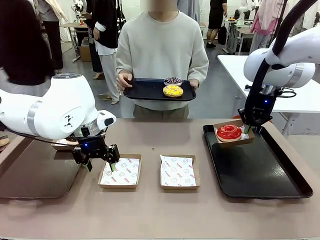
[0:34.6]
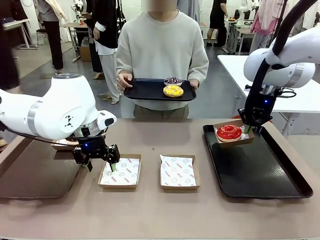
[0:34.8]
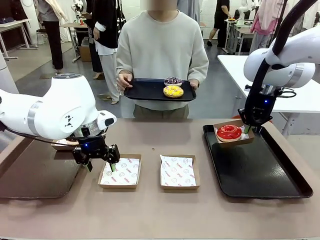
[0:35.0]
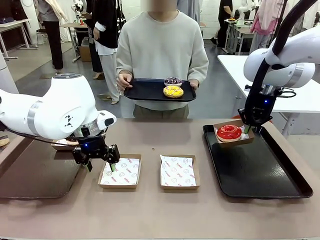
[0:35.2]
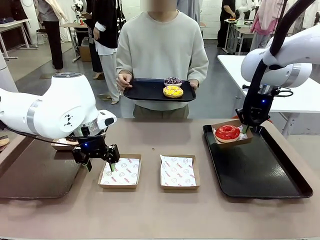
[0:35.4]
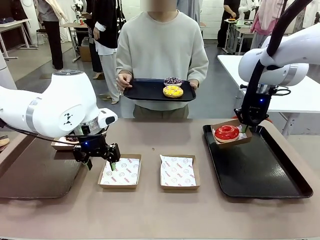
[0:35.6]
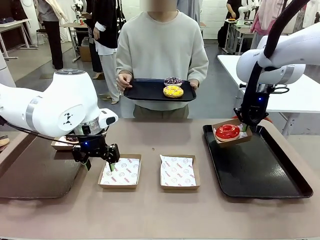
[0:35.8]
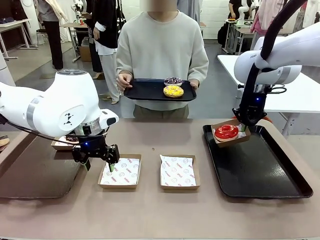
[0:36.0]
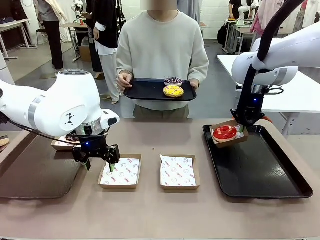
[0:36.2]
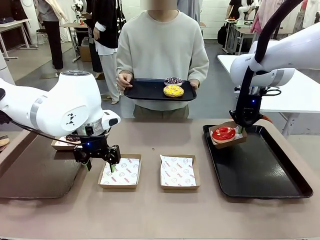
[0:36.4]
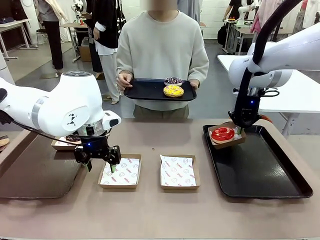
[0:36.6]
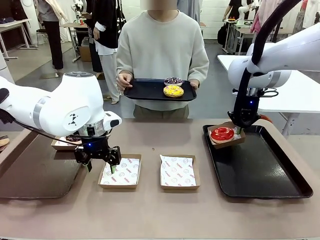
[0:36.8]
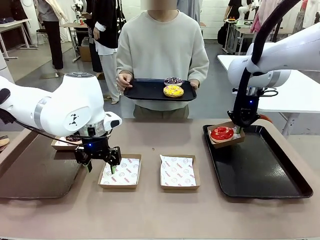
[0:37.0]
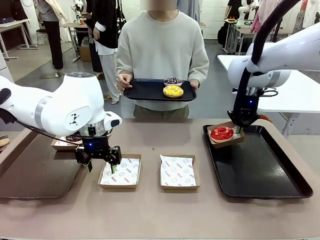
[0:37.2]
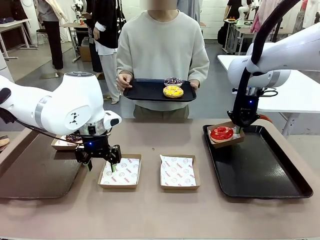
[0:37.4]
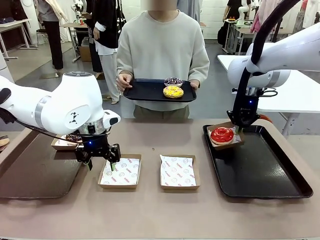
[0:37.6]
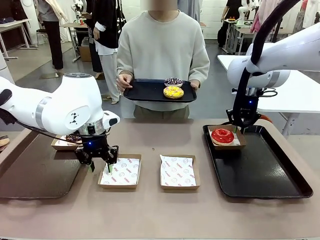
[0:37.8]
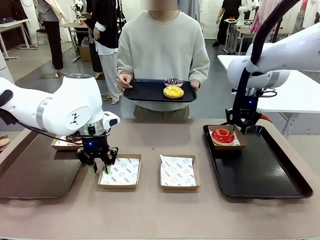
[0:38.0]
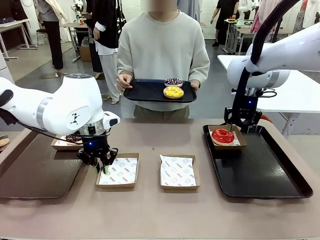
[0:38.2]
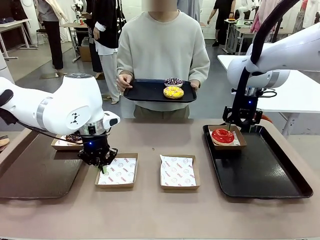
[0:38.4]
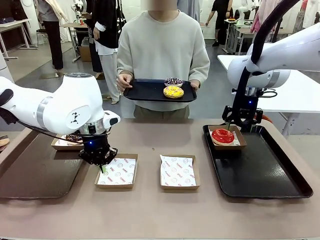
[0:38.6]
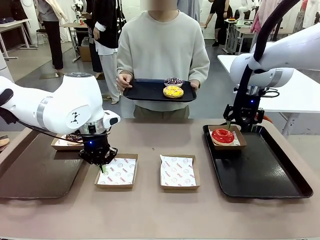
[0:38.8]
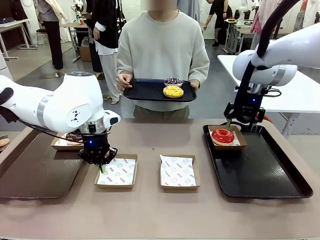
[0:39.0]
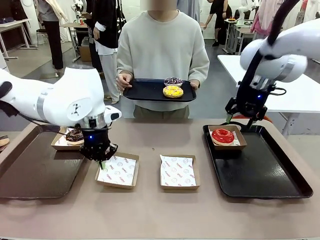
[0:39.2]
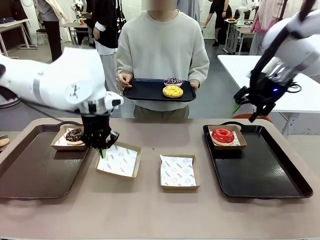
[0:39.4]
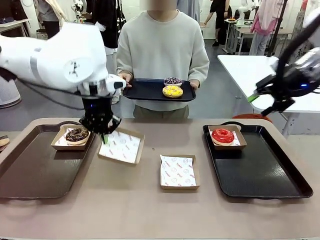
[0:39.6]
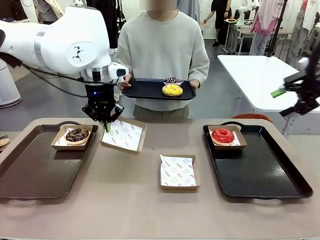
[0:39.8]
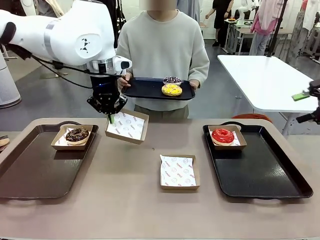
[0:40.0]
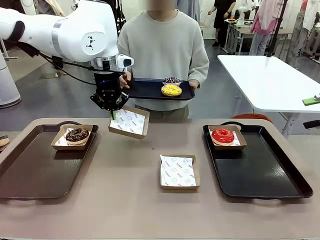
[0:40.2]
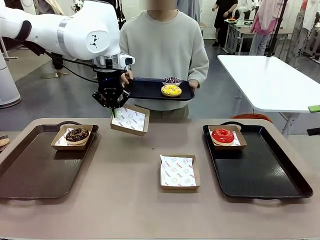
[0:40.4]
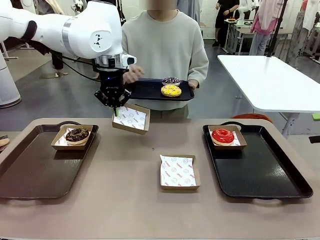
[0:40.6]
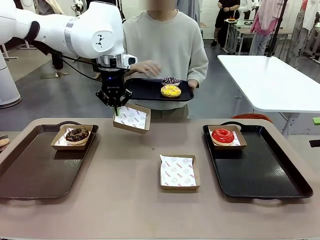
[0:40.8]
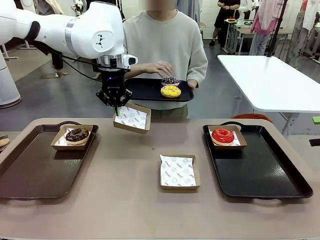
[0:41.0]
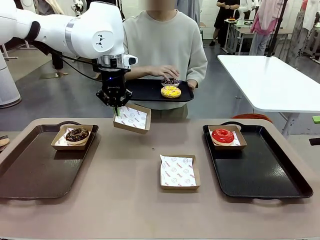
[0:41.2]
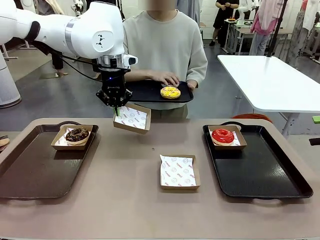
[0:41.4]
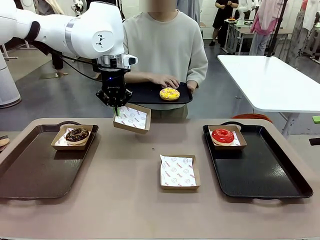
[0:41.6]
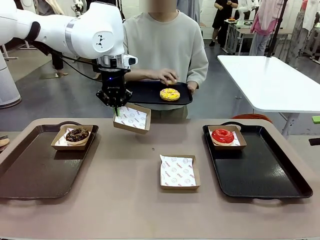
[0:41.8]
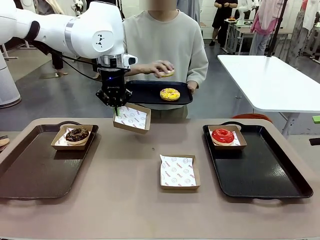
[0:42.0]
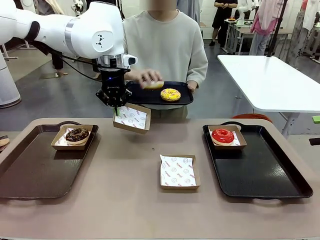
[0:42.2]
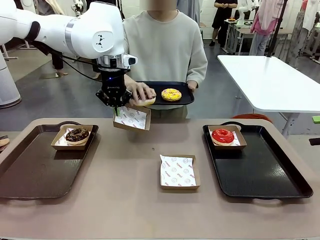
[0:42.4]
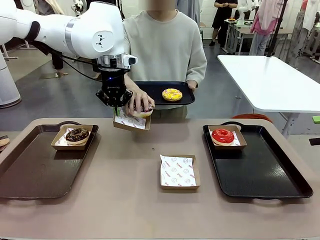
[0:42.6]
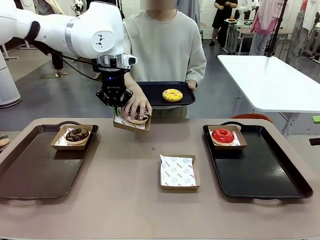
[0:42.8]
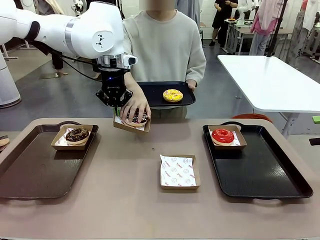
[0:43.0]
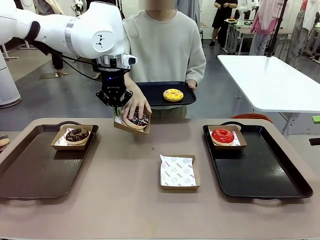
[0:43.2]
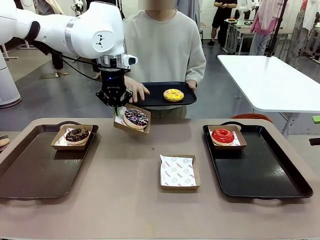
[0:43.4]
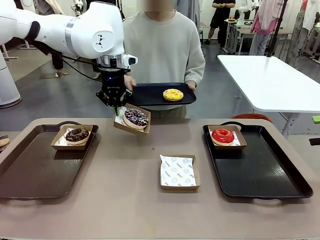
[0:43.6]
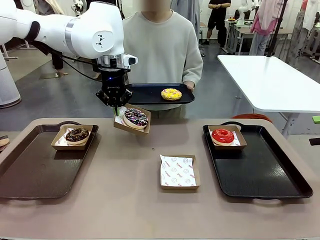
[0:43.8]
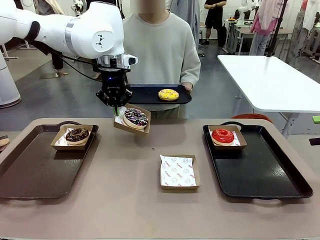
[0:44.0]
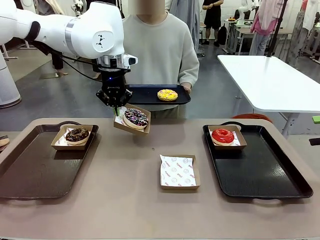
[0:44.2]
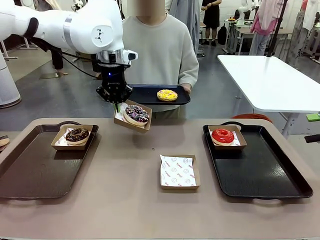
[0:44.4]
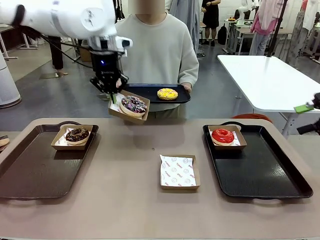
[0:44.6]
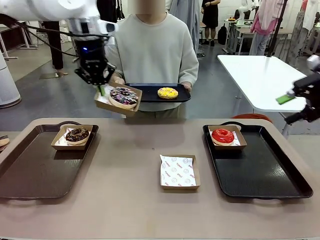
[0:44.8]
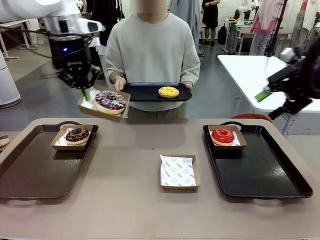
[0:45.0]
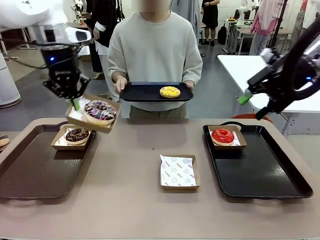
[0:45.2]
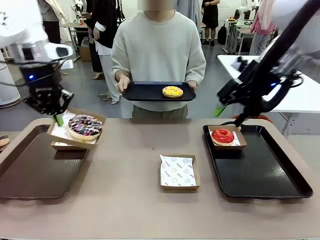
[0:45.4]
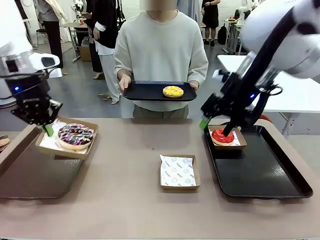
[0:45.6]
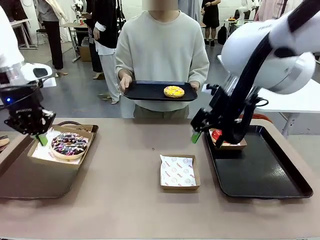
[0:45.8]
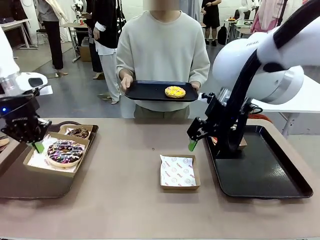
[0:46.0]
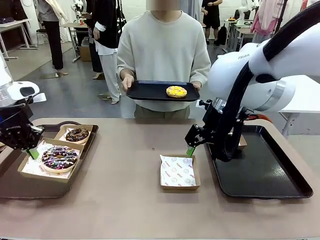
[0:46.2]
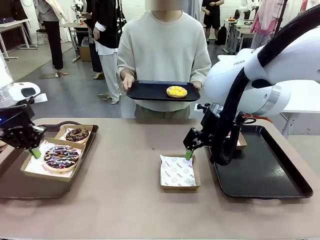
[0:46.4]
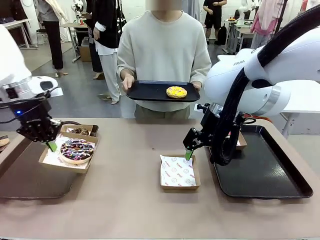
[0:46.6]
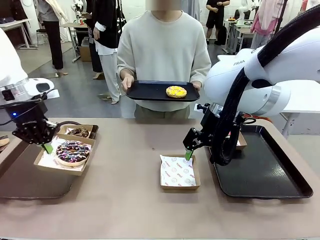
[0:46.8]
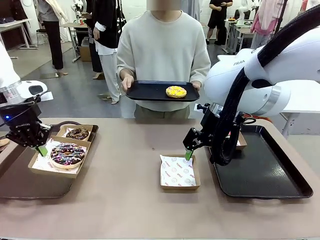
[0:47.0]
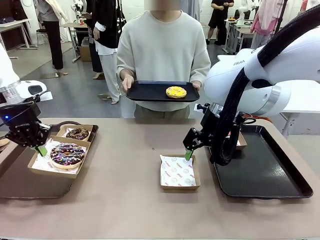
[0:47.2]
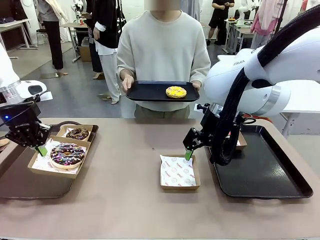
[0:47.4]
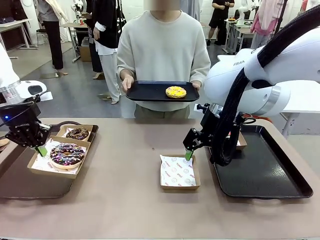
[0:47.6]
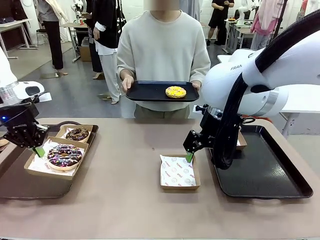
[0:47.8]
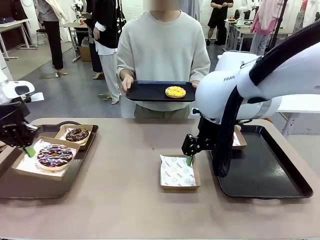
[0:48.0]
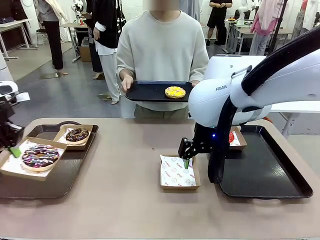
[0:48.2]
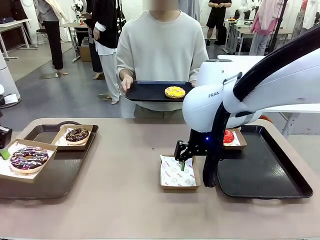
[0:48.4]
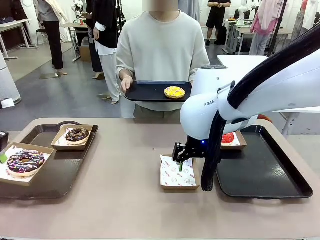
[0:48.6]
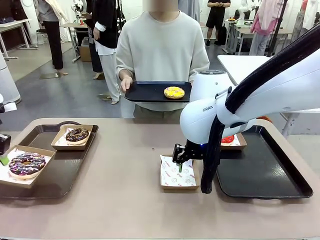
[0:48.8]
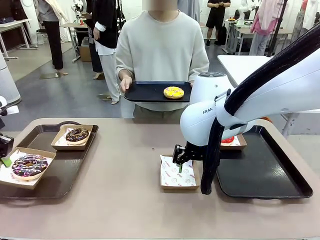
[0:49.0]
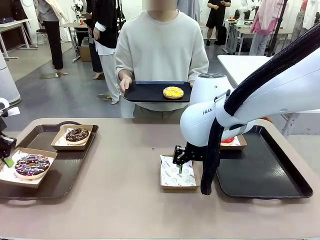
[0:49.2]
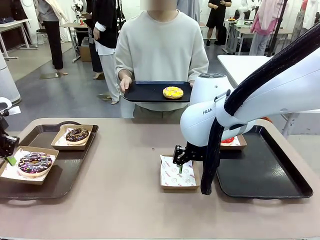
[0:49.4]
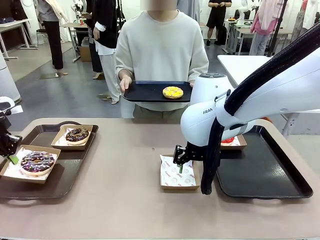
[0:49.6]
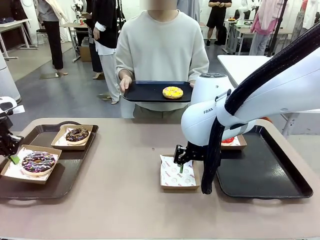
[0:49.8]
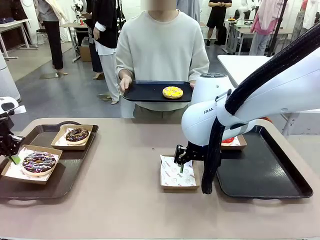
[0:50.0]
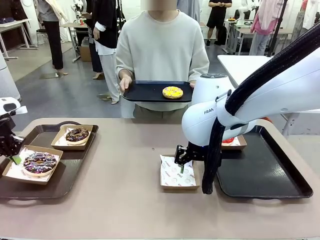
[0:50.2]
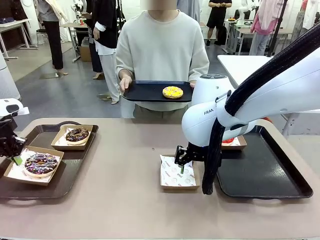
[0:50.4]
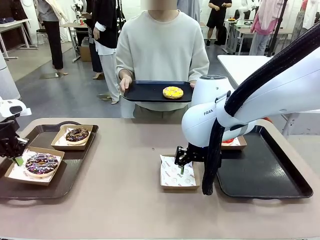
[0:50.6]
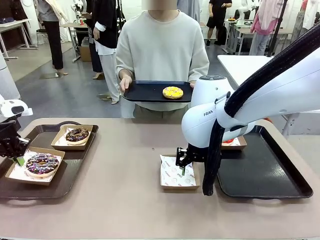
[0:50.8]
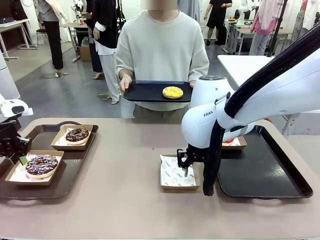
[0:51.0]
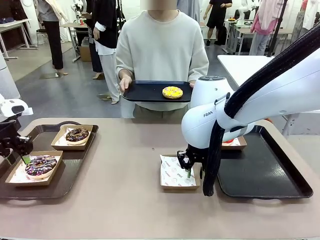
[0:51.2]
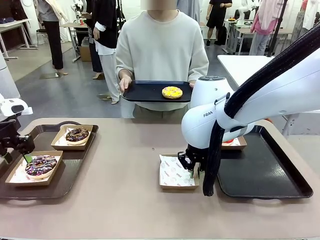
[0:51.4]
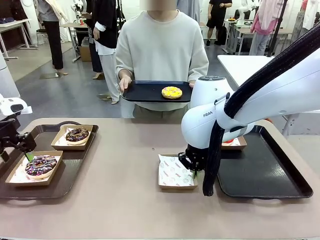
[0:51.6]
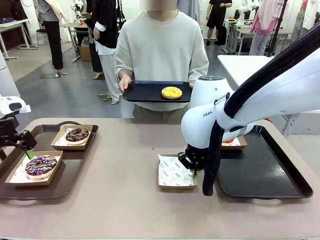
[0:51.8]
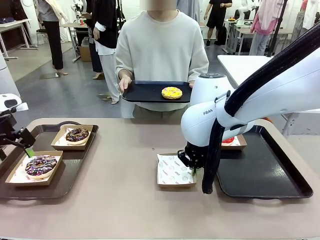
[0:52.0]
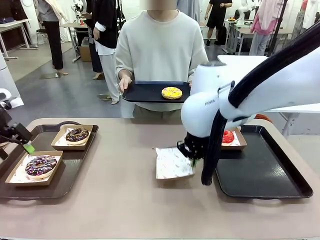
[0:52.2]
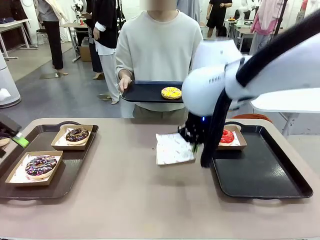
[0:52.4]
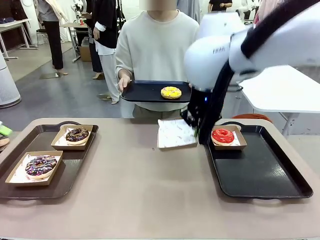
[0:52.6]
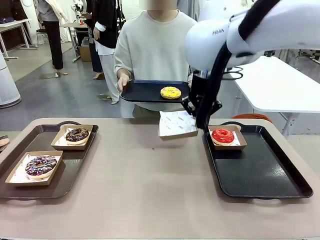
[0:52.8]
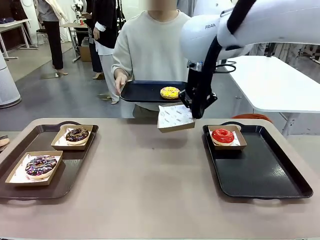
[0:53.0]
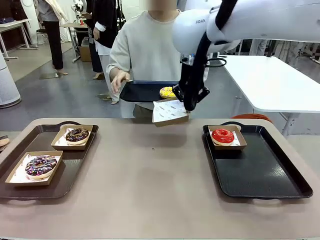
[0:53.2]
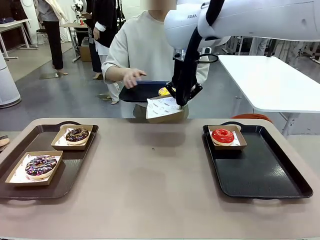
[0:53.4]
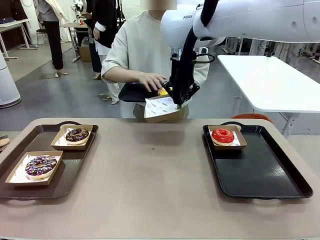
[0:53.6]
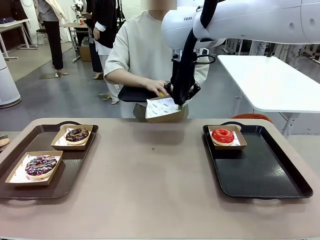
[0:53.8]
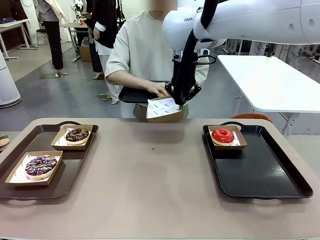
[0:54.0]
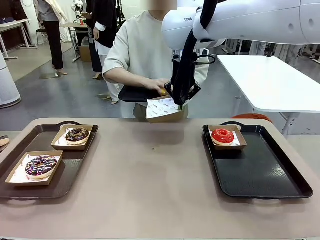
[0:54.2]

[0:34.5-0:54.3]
Task: Individually package the donuts and arrange them on the tray.
Robot: Place the picked Paper togo box on the Handle tray while simultaneously picking up another Paper togo box from the table with the other hand.
